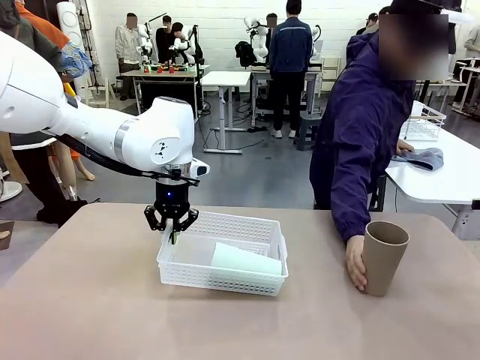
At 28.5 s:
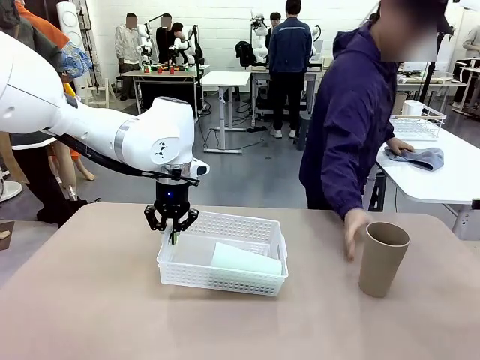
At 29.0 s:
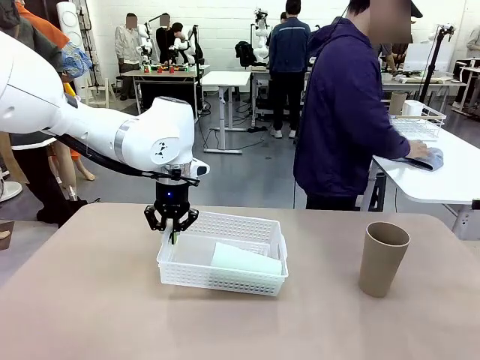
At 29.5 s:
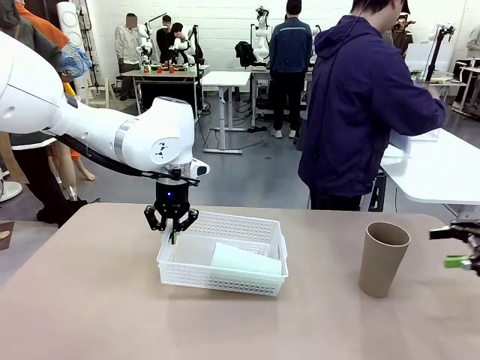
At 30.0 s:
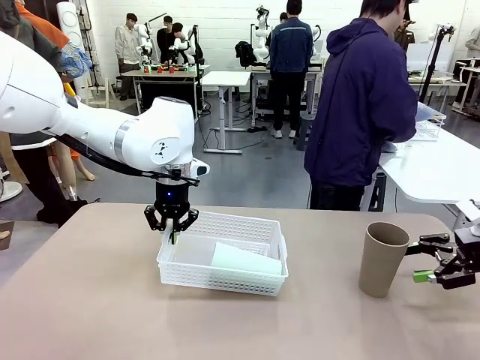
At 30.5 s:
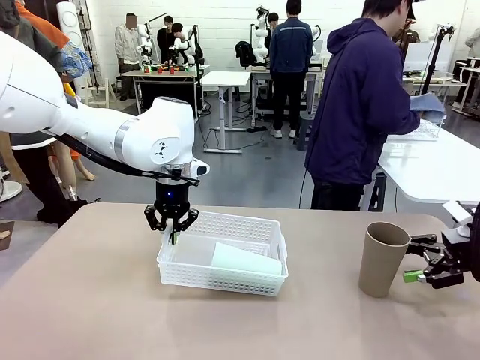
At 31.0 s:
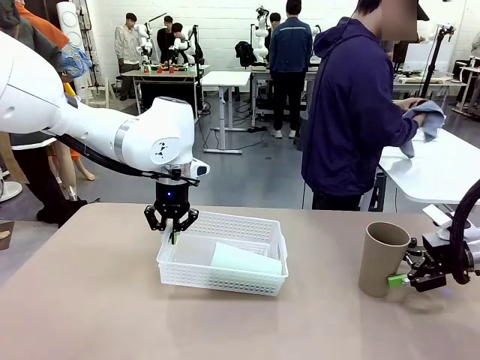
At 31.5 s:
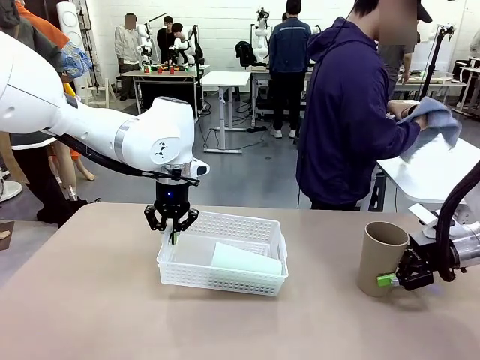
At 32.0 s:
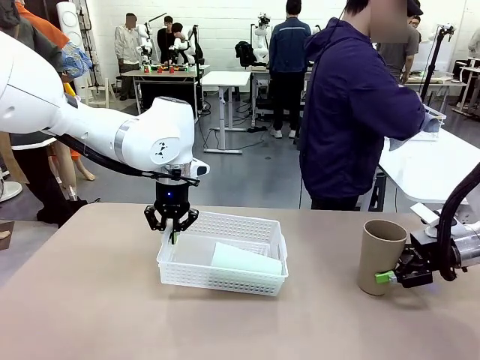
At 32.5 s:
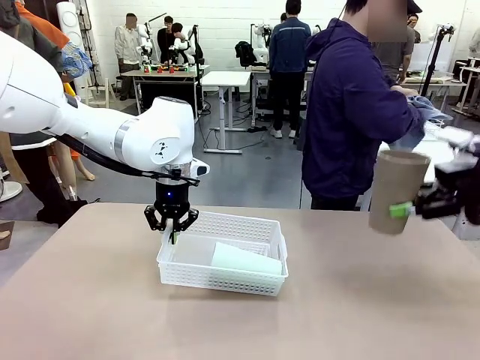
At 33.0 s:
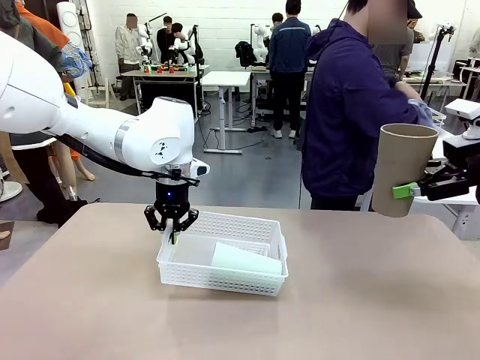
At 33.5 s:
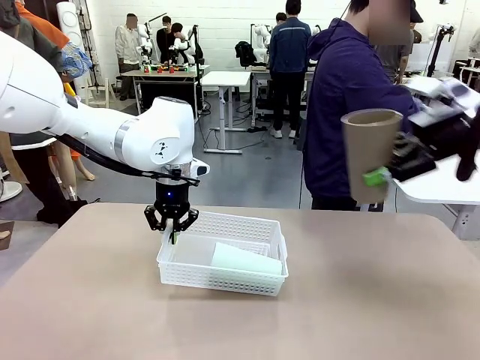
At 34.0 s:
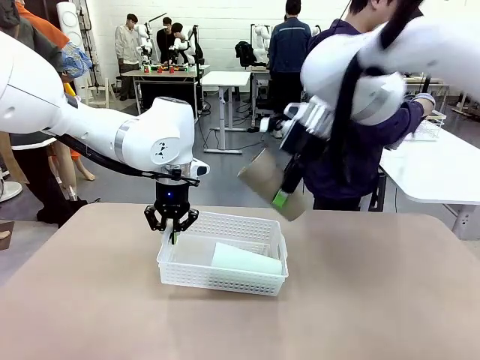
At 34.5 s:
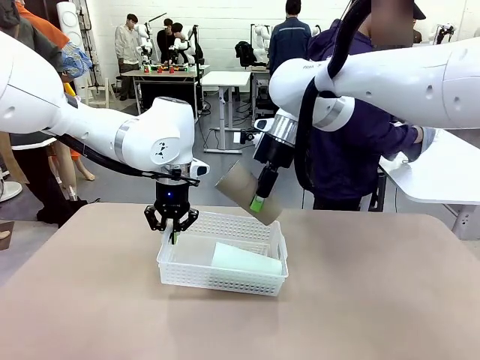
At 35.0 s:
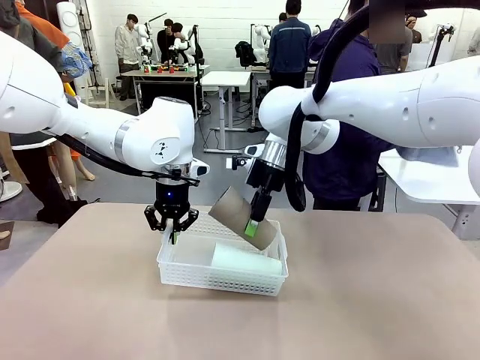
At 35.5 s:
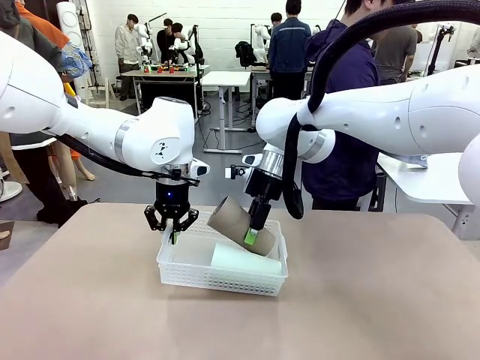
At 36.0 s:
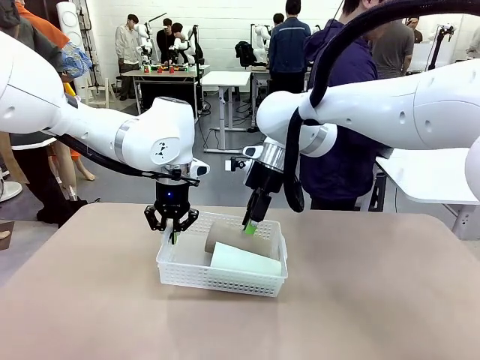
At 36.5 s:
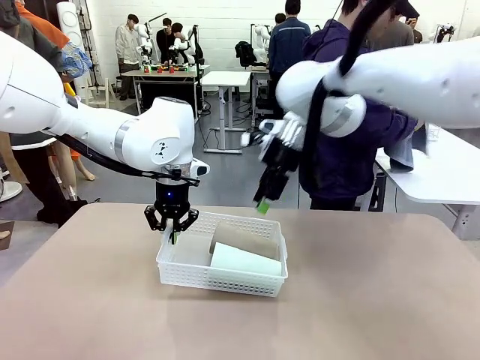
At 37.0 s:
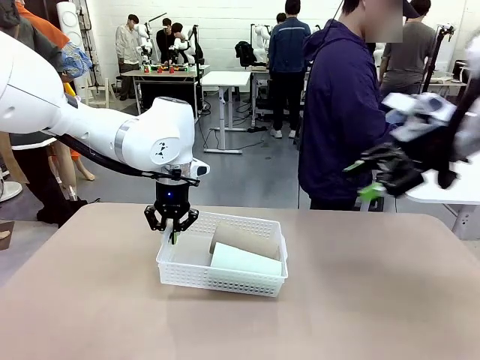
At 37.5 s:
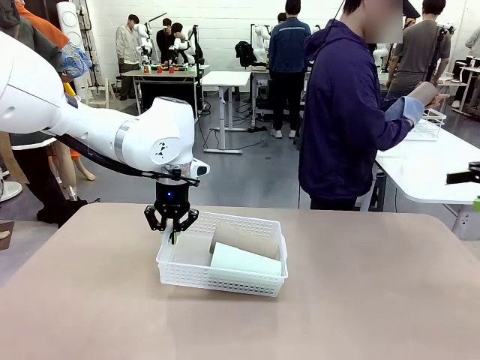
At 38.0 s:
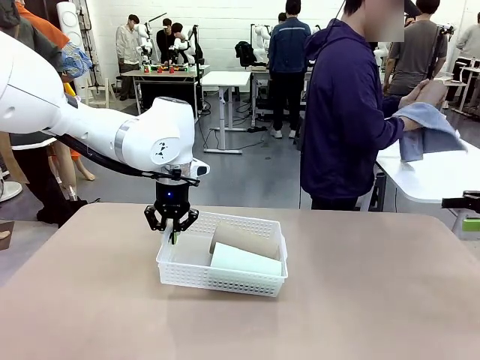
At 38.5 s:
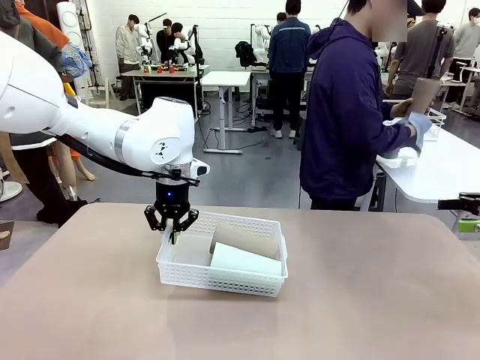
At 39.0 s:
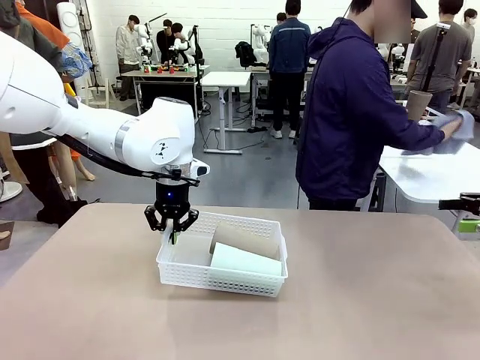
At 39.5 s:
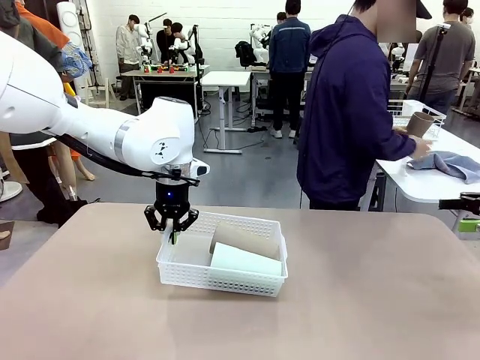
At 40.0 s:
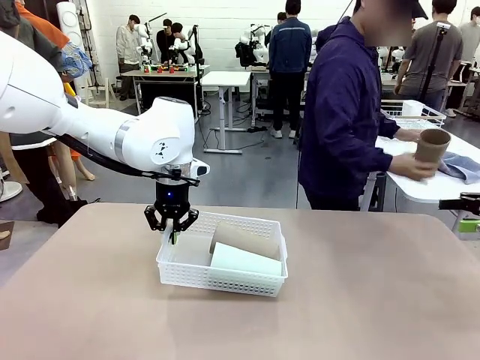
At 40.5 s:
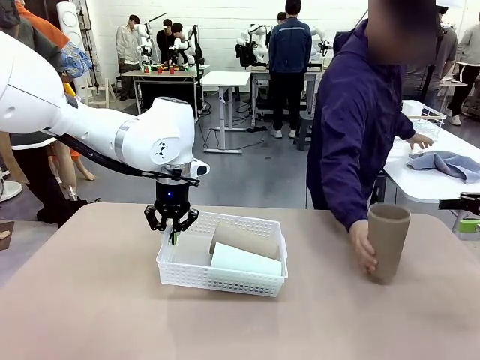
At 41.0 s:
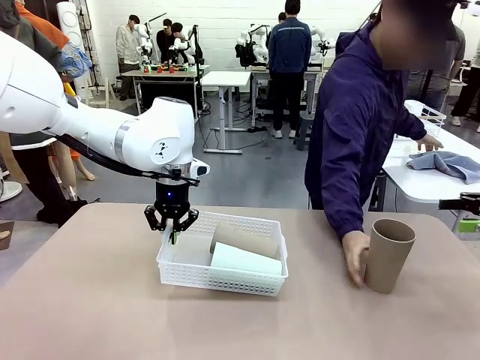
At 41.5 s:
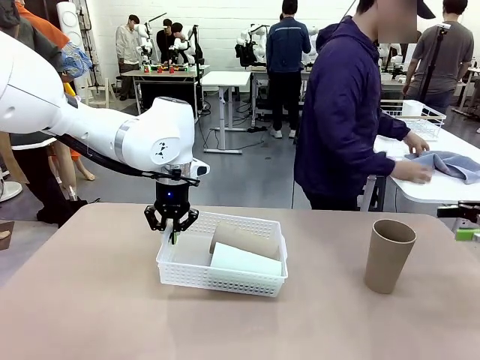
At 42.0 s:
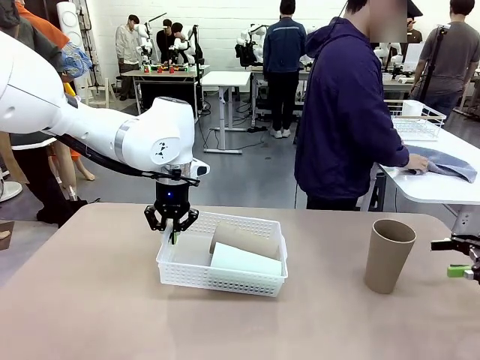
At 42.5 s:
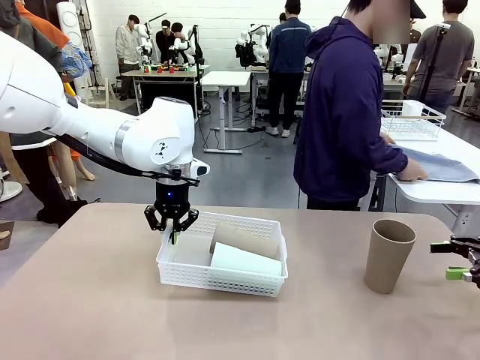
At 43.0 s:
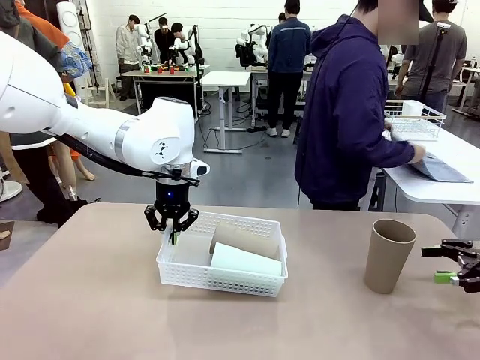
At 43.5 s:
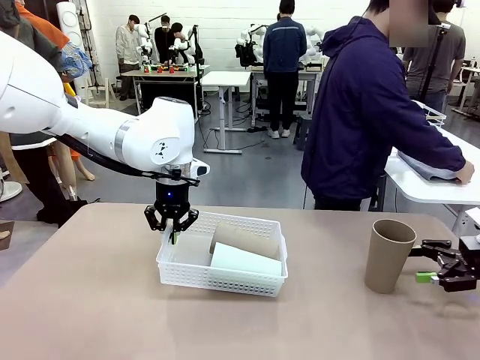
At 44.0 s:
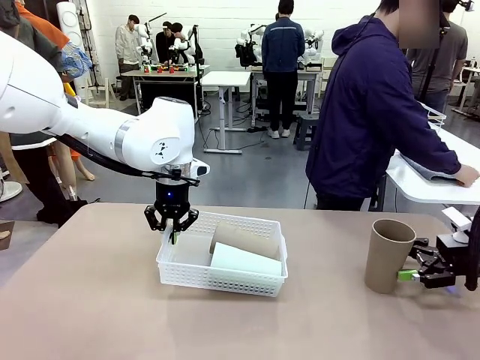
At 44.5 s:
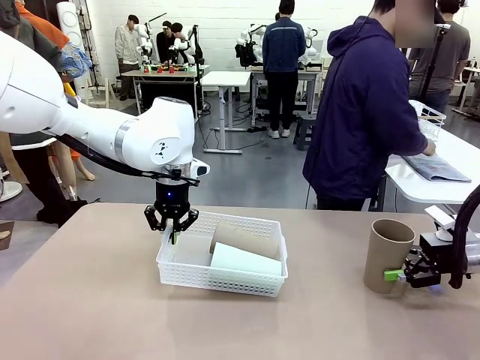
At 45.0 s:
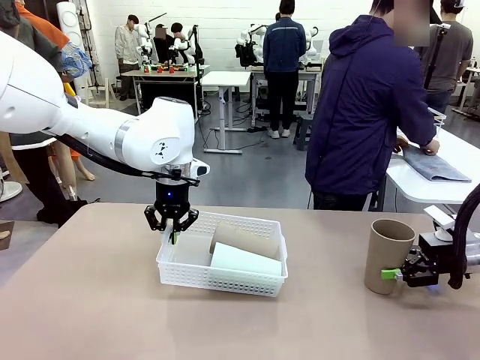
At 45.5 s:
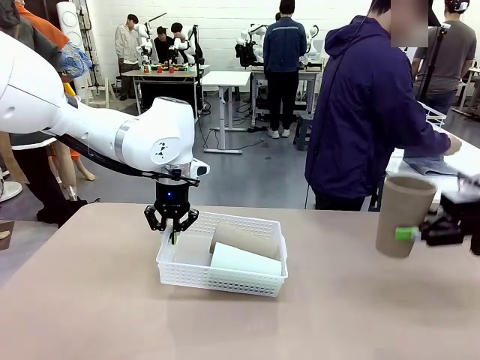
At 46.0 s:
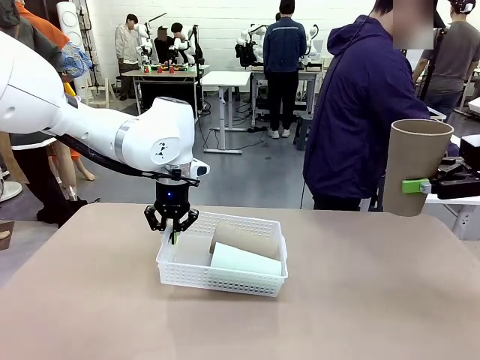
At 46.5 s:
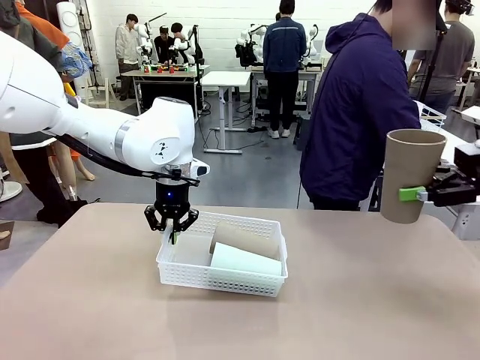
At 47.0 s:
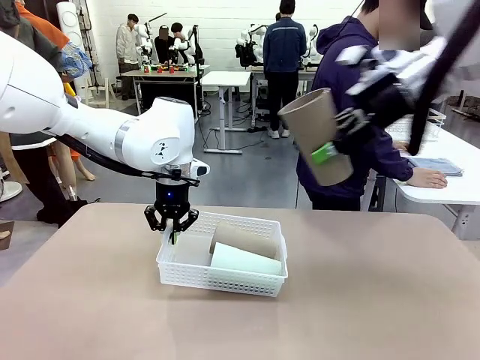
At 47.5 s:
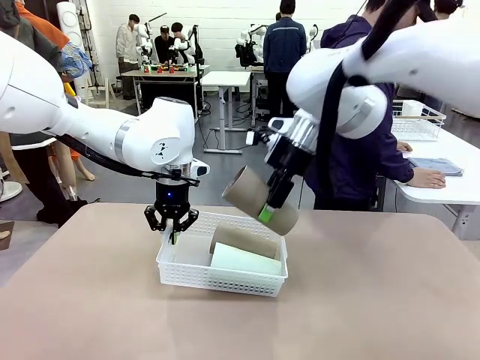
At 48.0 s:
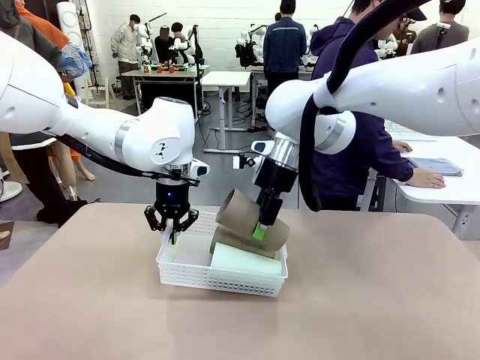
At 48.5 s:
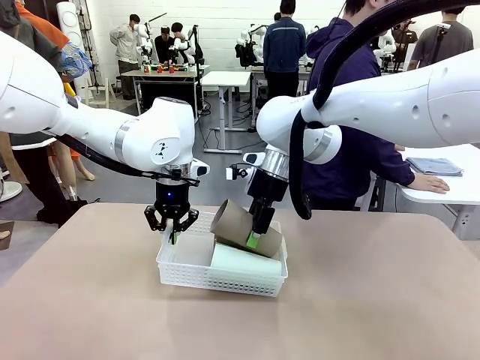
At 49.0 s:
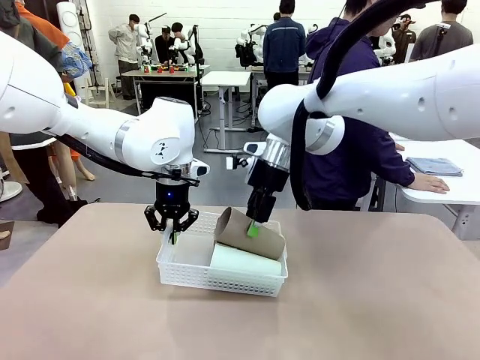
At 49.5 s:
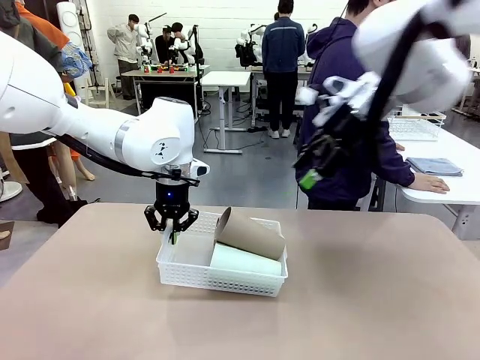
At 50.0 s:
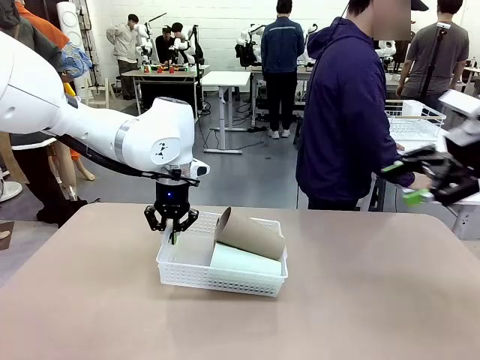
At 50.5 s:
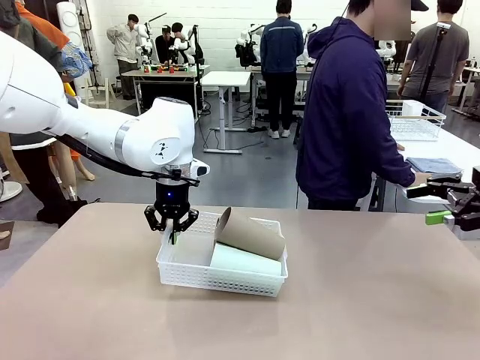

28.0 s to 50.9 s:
Task: Clean and organize the cups into the basket.
Robot: Pick up the Reusable plastic cup from the right side of the table and stack it inside the Organizing basket in the center of the table.
